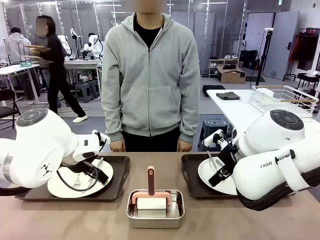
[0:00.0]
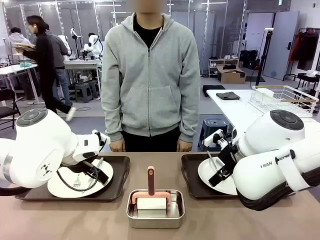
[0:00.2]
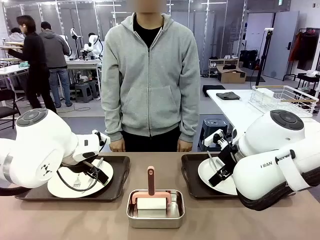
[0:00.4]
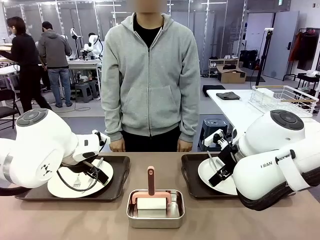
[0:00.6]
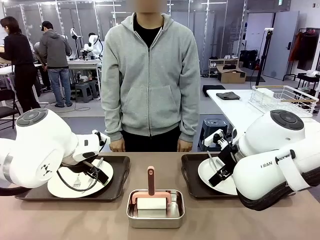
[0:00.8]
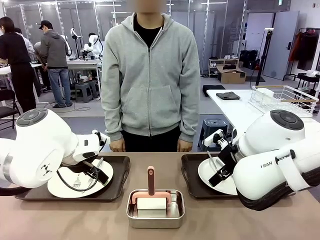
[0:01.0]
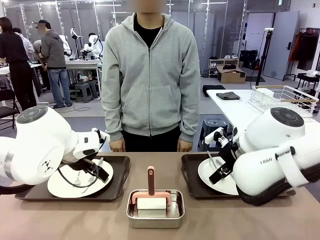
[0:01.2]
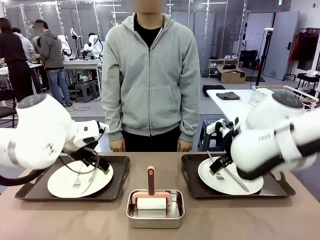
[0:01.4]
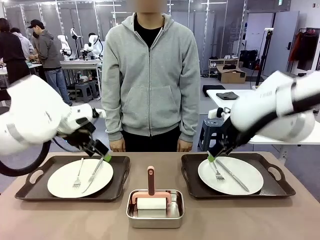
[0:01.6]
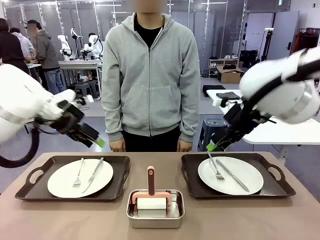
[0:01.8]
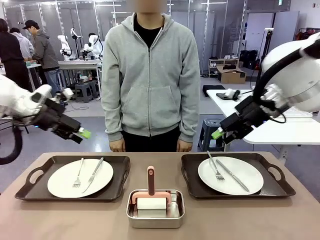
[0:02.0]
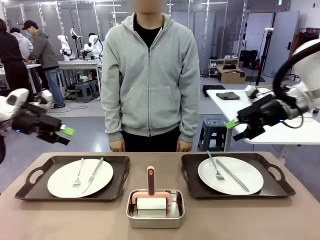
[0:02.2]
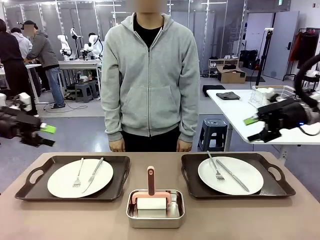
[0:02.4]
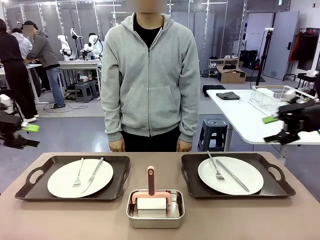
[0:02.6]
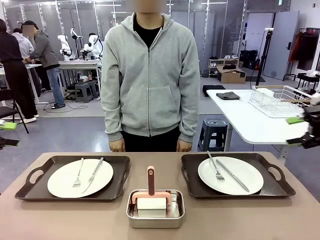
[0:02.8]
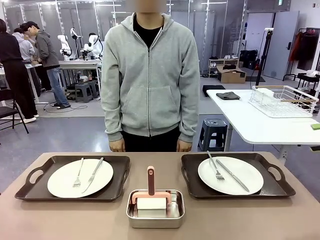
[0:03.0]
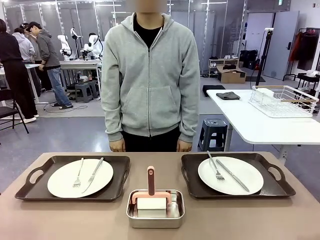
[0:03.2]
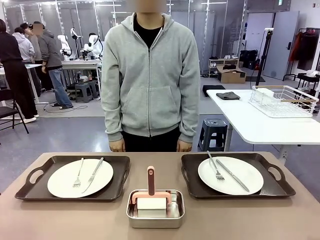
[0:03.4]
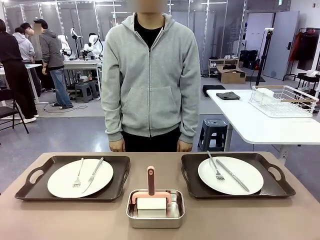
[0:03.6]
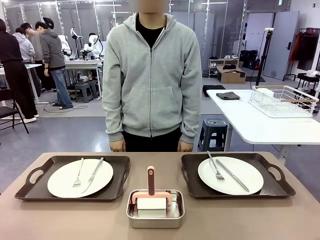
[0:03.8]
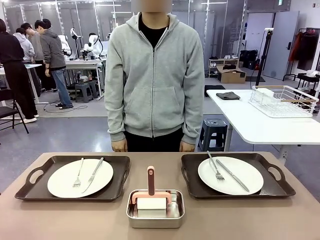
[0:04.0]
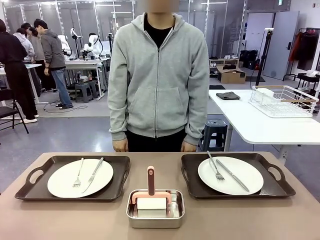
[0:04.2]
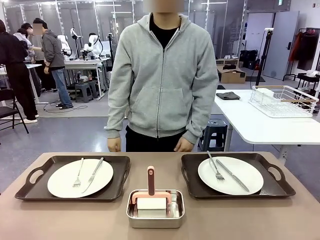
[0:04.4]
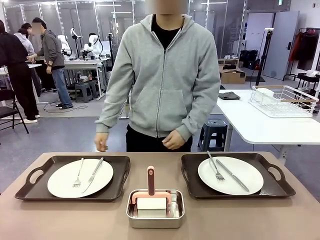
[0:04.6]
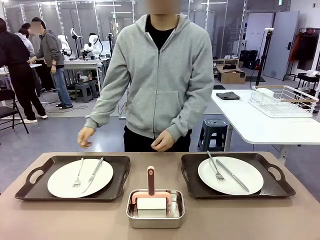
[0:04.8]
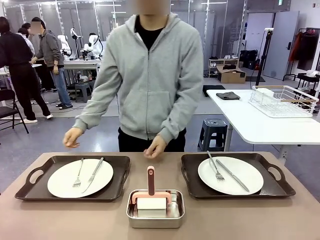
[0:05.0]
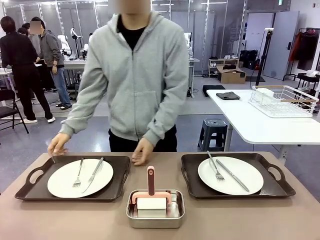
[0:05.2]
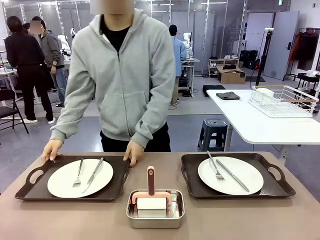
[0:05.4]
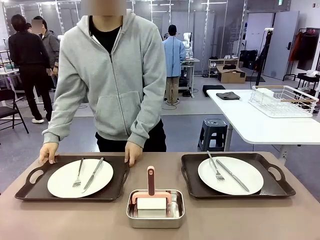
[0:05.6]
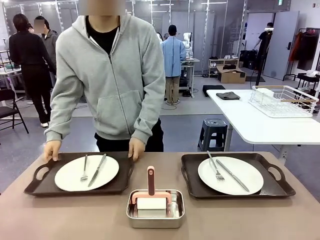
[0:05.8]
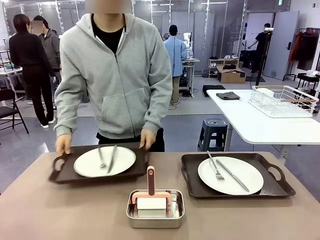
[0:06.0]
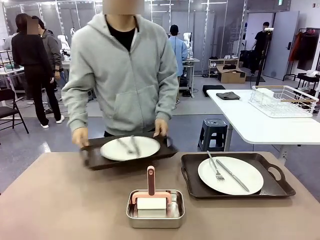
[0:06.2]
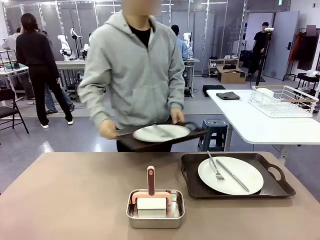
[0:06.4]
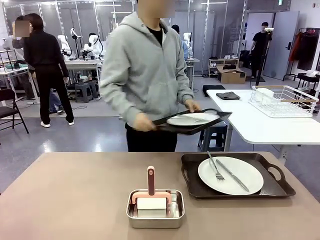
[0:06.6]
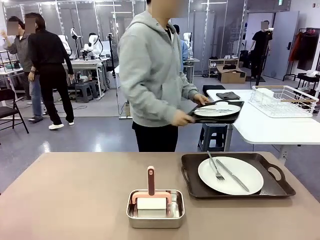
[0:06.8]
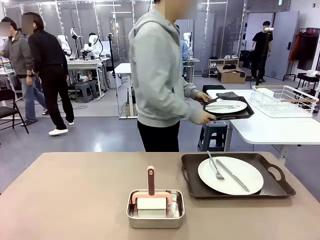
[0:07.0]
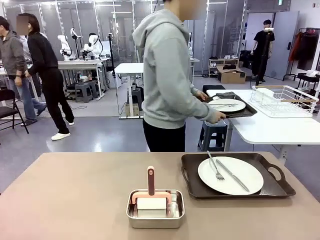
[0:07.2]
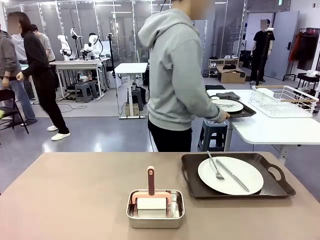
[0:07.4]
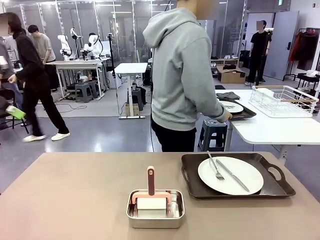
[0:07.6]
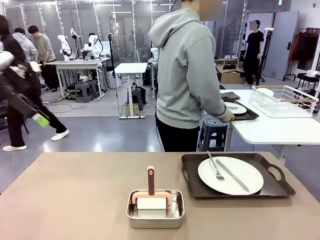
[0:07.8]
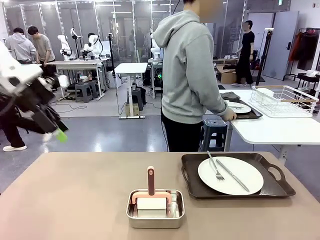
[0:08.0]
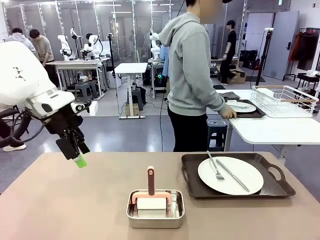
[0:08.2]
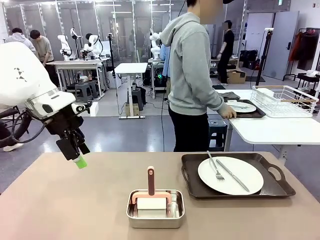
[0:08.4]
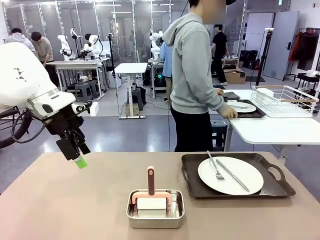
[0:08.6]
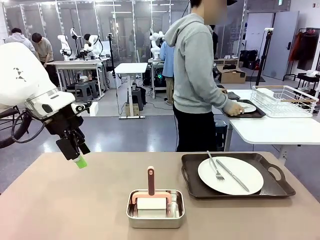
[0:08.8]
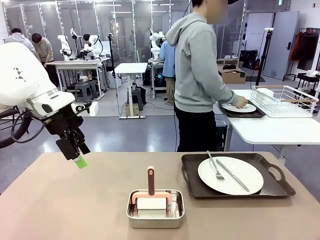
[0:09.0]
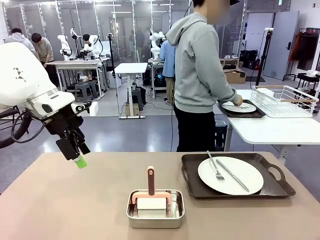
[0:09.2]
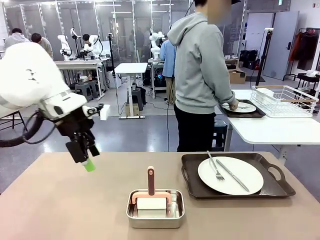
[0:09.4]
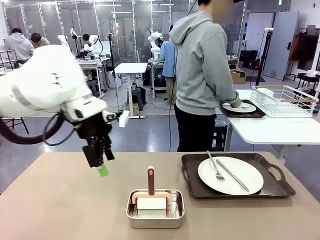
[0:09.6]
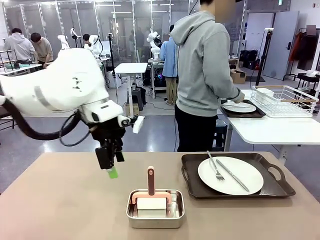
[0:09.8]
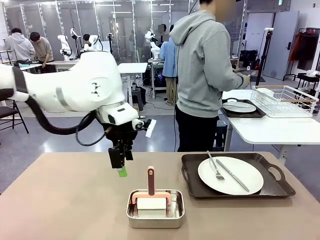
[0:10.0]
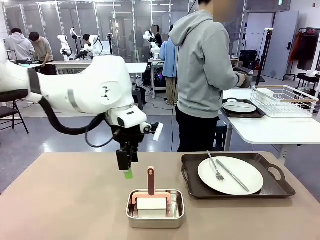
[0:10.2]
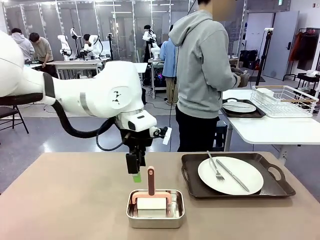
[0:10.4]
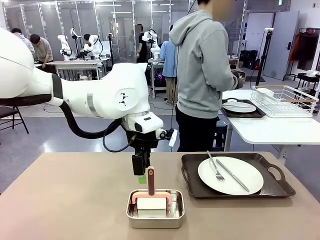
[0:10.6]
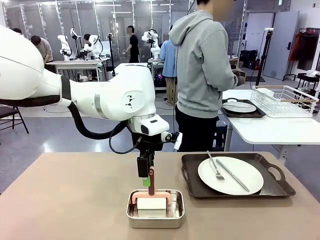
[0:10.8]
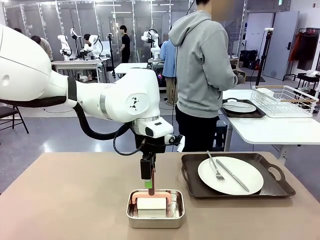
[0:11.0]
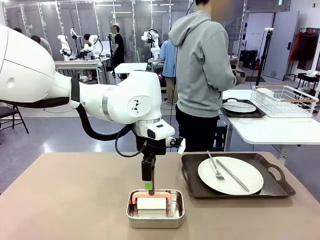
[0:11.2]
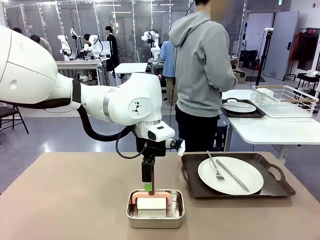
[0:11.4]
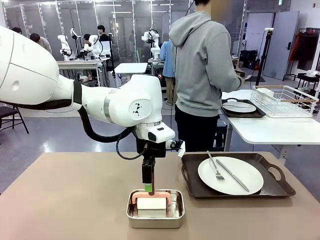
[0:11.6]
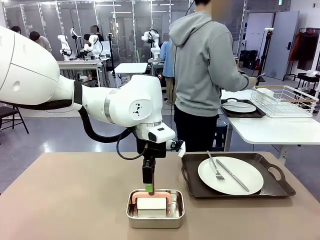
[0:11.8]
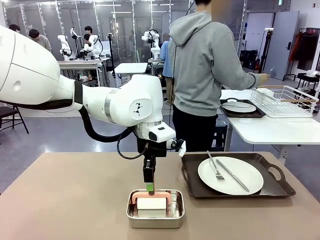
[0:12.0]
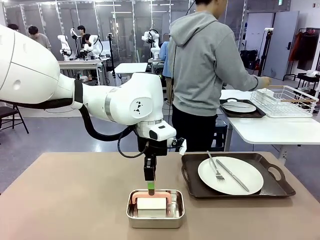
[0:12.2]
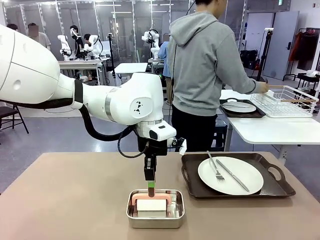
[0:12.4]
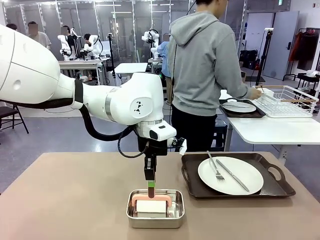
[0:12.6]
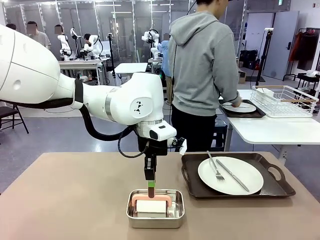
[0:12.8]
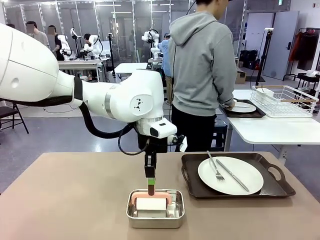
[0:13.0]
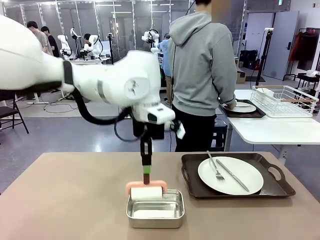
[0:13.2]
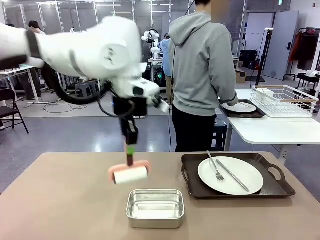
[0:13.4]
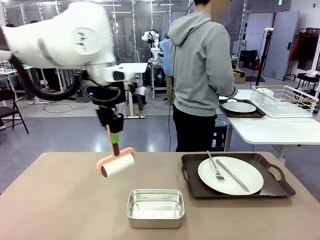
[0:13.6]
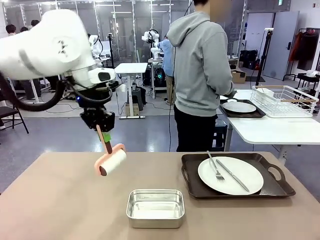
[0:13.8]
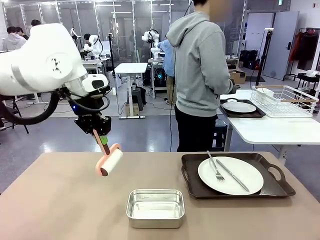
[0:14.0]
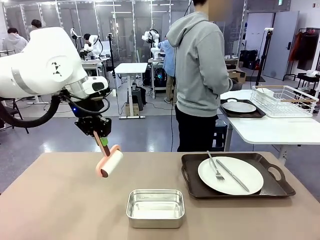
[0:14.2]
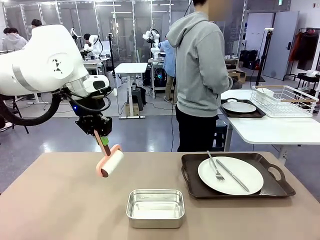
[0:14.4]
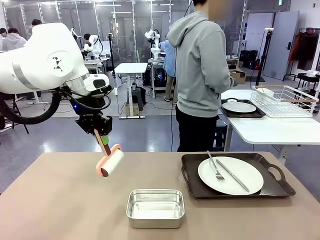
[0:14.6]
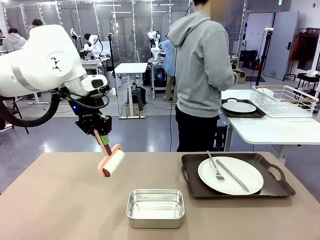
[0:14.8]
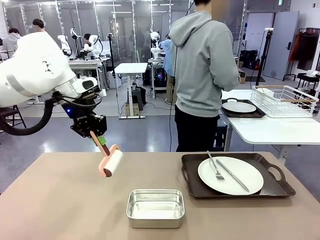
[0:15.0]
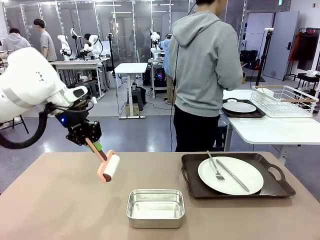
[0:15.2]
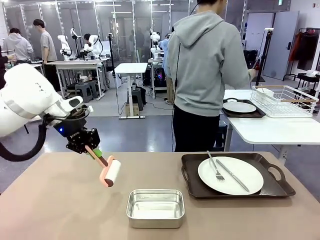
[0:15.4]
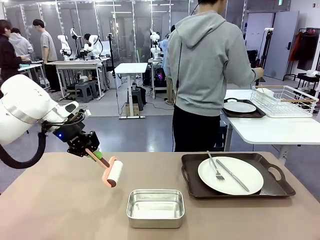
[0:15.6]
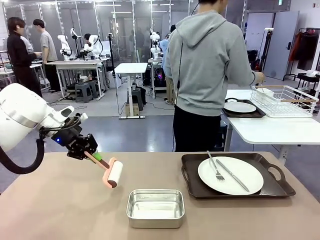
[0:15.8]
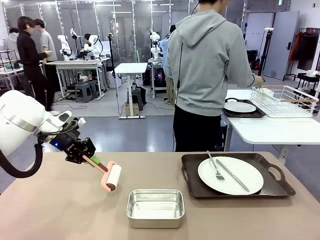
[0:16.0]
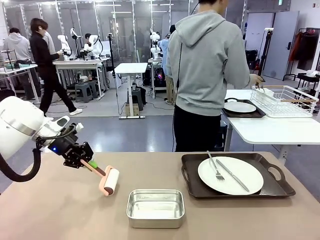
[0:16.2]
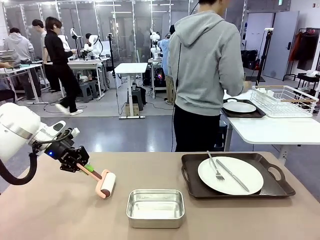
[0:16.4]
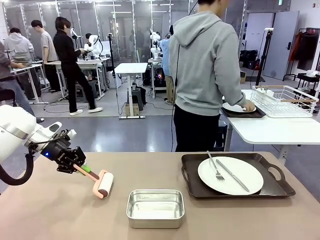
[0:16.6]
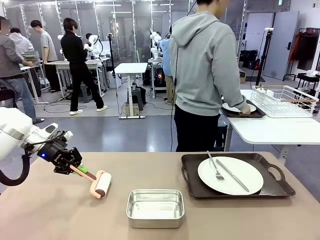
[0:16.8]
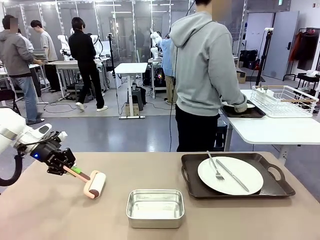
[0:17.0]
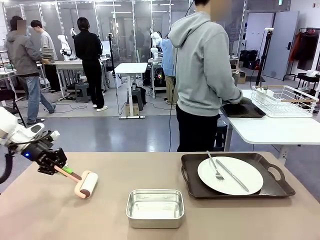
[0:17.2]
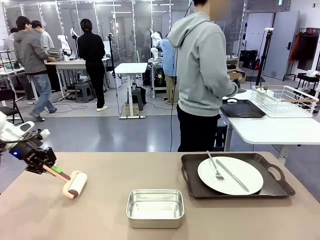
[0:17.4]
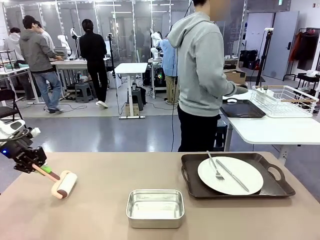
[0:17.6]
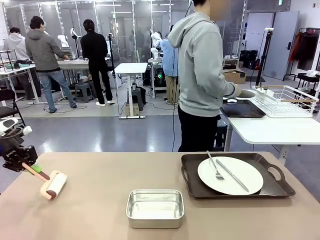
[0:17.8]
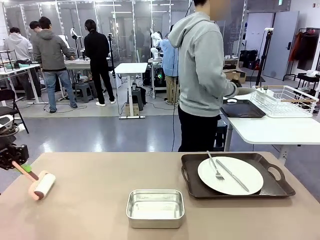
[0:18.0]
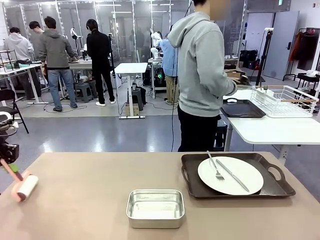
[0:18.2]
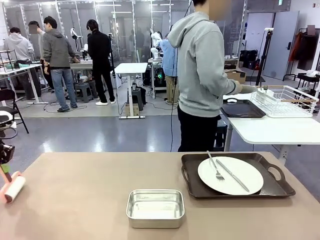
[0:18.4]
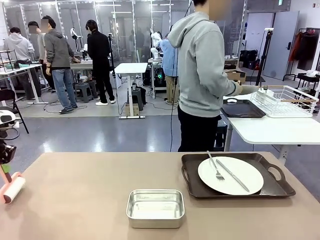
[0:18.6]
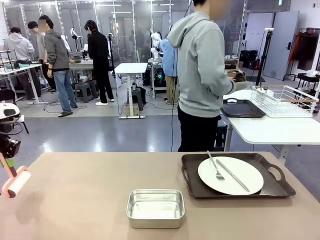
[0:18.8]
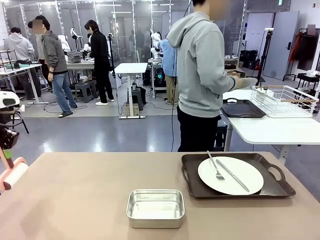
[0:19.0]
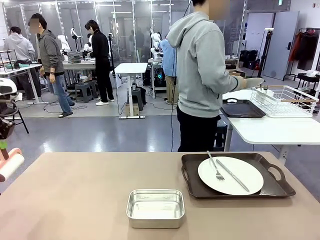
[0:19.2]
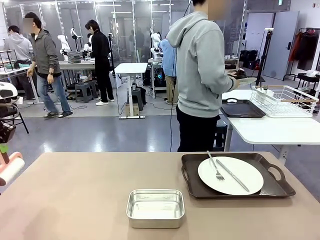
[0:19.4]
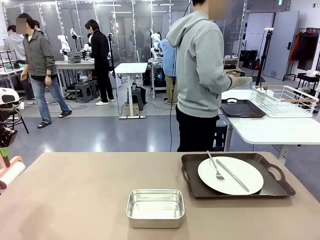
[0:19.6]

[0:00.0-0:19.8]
Robot: When the left (or right) Handle tray is removed, use the left hand (or right hand) to clean the left (or right) side of the table with the Lint Roller.
Person: Pick up the left (or right) Handle tray and place it on the middle of the Human's table. Use the Towel with hook to wipe the Plastic Matte Plate , Fork , and Knife and place into the Dish drying rack.
